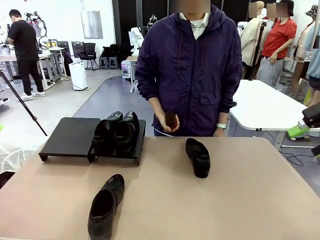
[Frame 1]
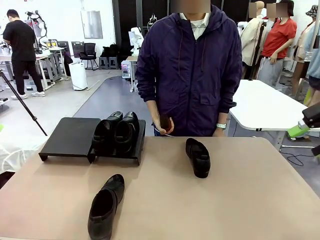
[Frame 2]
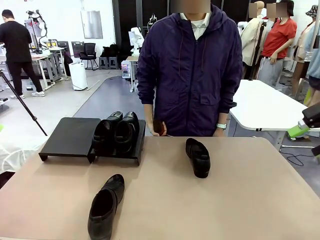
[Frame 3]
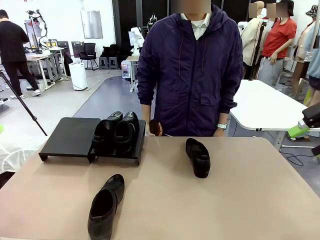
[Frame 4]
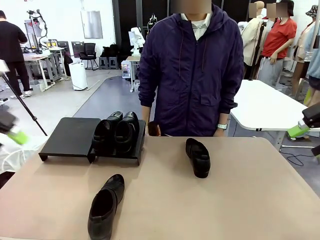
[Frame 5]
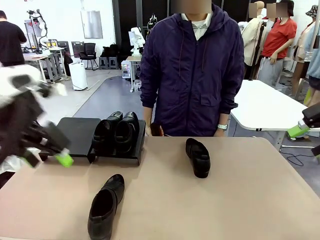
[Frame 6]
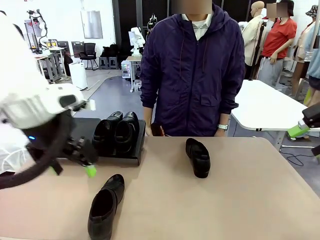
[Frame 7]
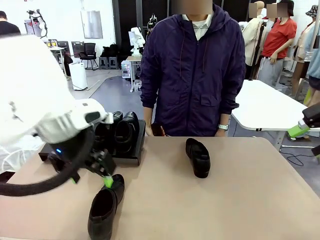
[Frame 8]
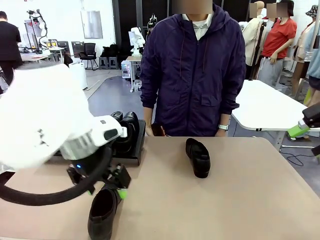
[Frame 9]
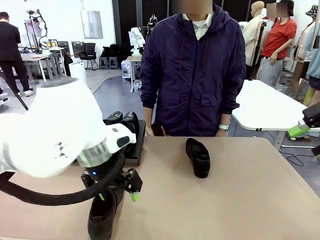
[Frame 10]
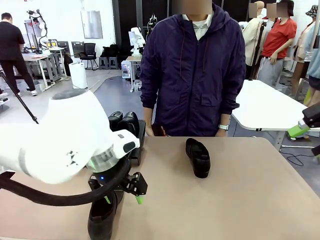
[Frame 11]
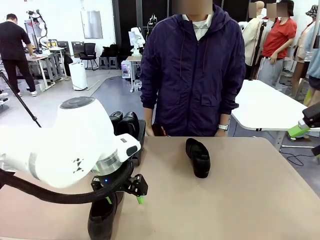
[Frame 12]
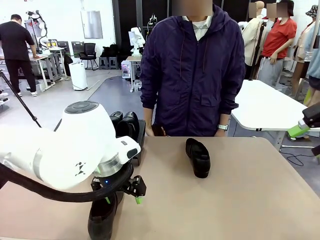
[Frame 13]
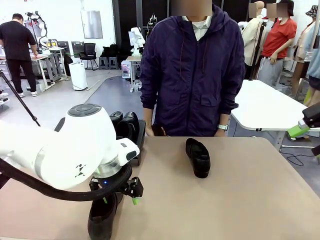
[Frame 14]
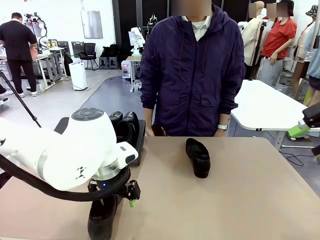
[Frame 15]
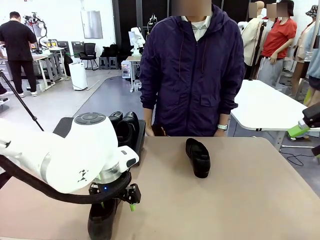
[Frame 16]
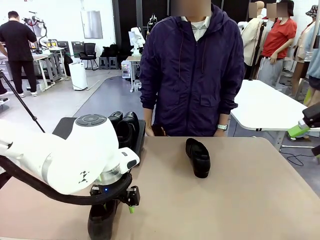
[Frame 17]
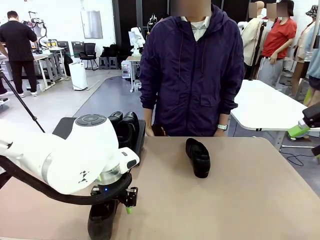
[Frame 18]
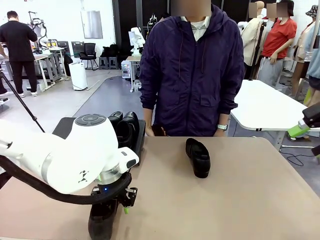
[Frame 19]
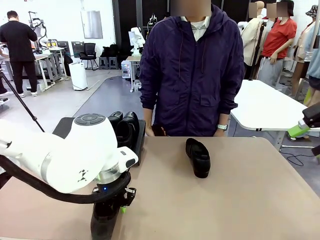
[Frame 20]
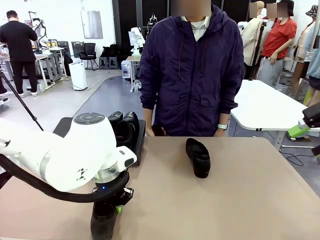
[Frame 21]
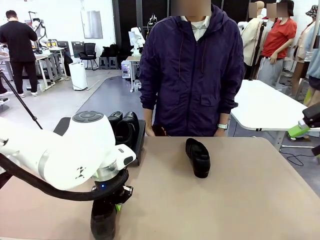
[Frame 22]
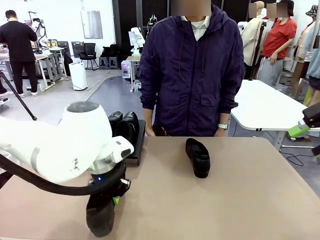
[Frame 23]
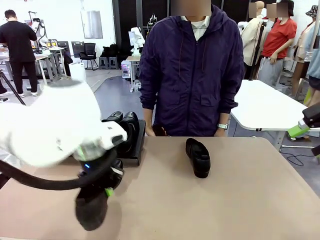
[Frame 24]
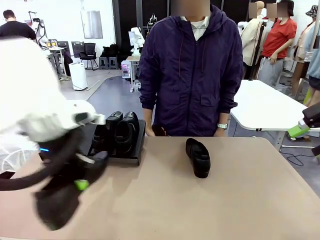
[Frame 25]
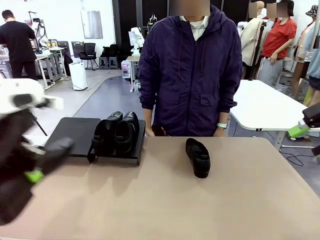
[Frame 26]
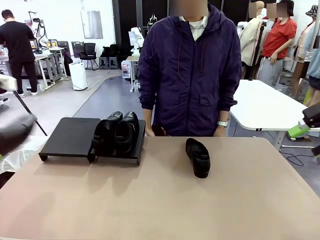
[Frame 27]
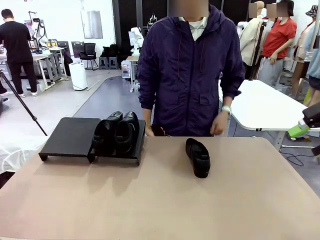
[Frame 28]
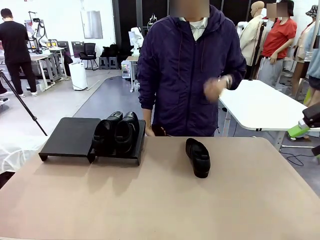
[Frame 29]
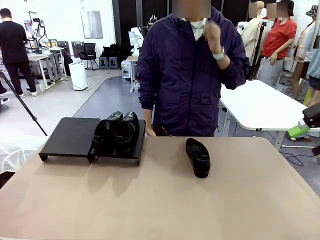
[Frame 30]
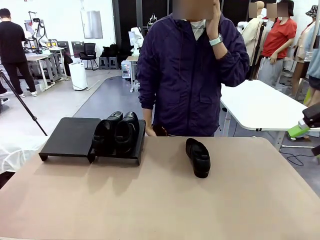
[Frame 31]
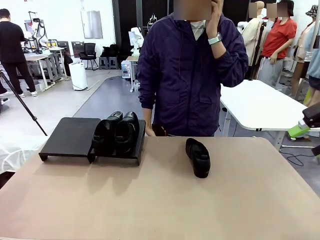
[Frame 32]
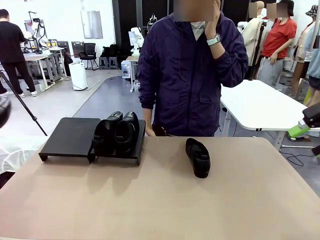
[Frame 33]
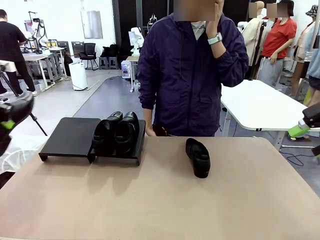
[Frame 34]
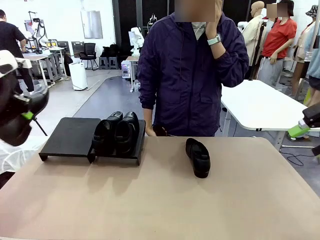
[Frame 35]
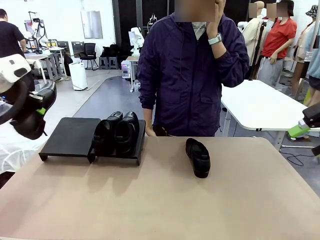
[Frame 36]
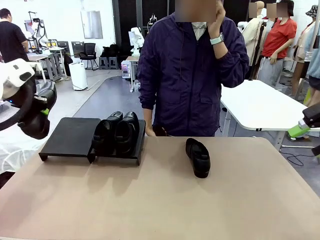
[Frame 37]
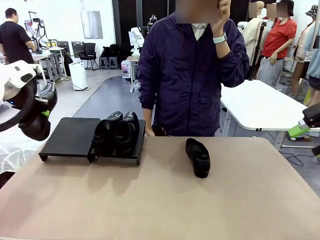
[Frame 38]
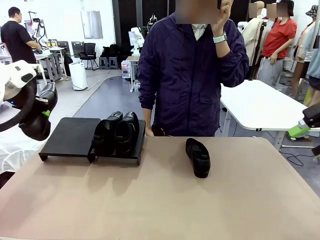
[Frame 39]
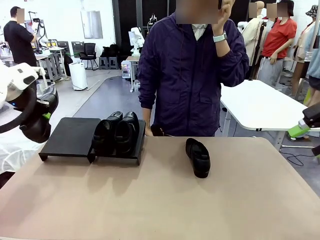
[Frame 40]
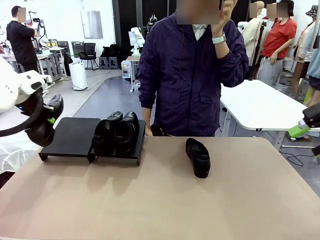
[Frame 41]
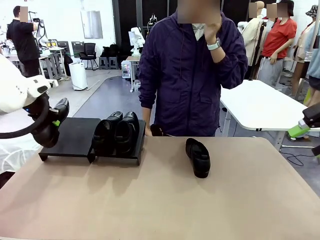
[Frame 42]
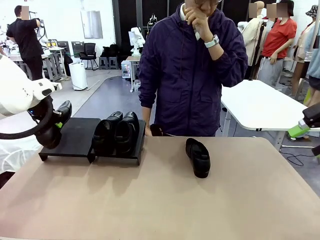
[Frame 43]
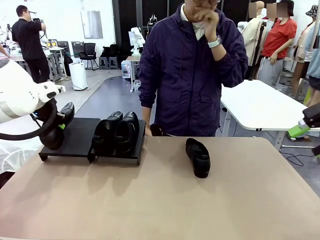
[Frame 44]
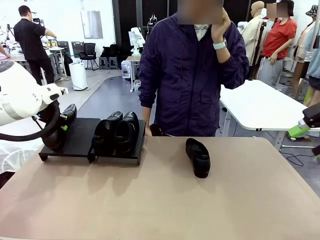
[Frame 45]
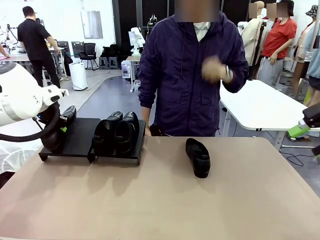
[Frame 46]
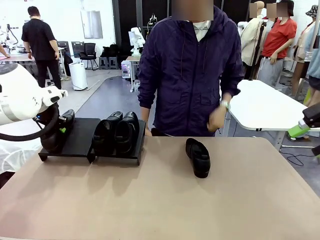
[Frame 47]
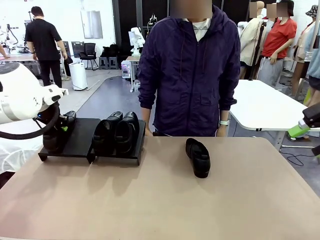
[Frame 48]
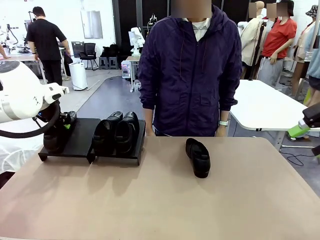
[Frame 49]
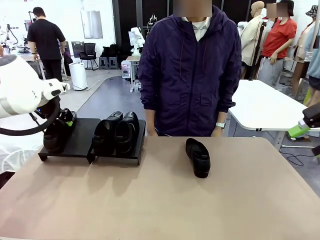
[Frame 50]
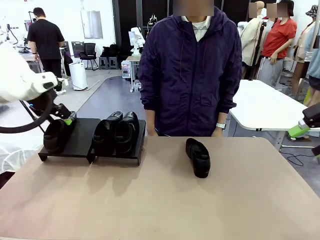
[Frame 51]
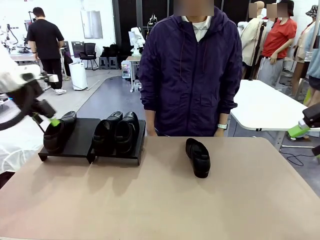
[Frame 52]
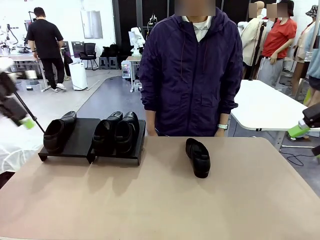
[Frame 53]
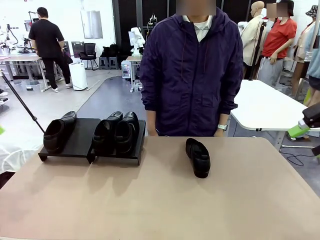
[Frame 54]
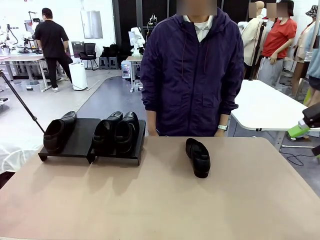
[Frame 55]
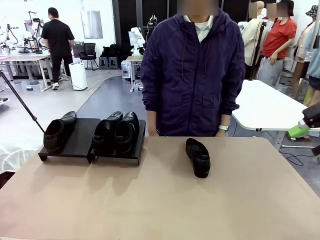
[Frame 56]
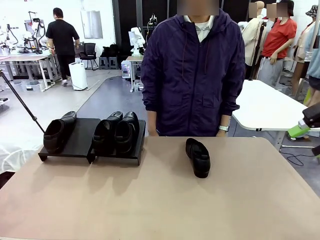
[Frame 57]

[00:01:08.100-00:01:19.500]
Task: Organize the shoes by placing them on the stand.
Robot: Place the Shoe from the middle of the table onto the Shoes Stand.

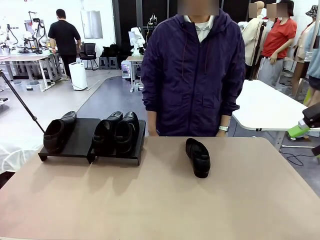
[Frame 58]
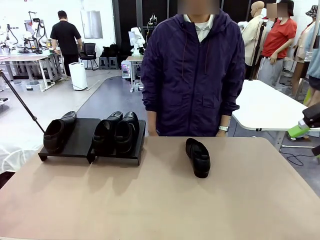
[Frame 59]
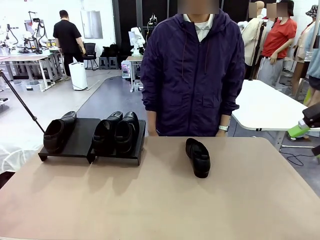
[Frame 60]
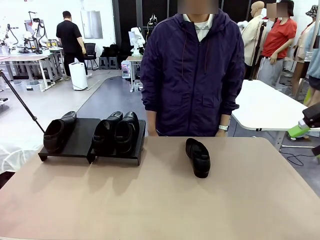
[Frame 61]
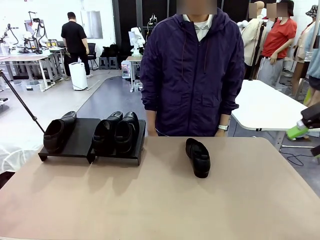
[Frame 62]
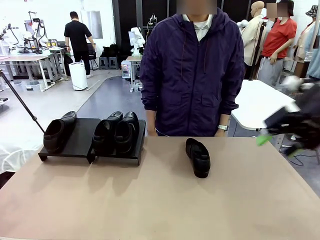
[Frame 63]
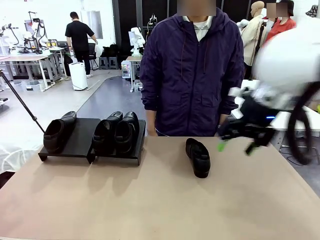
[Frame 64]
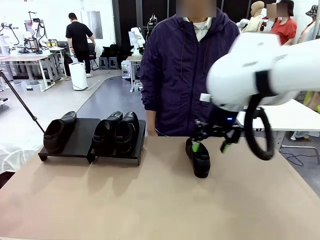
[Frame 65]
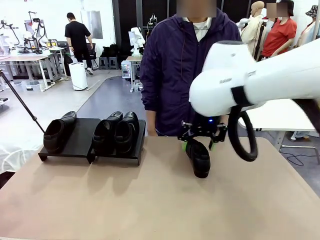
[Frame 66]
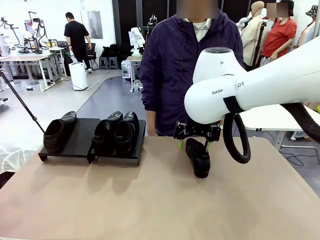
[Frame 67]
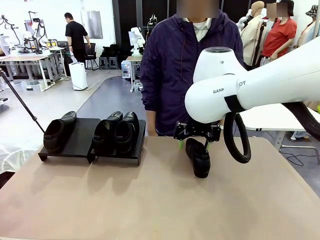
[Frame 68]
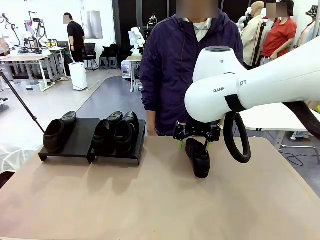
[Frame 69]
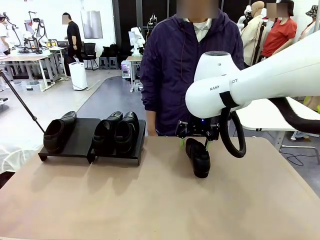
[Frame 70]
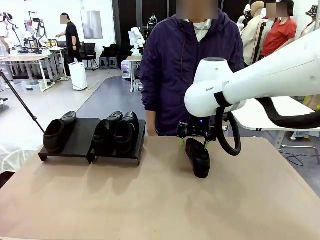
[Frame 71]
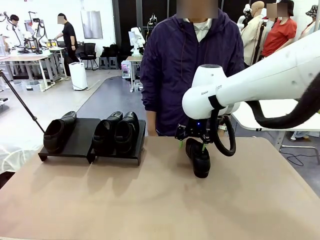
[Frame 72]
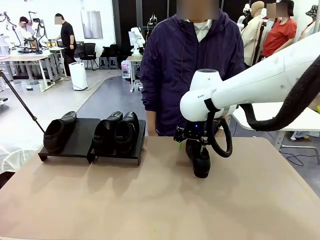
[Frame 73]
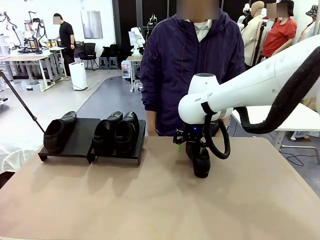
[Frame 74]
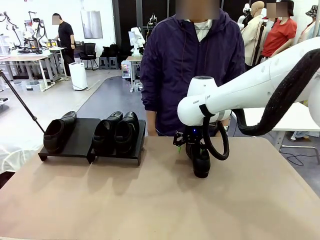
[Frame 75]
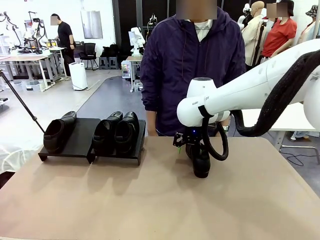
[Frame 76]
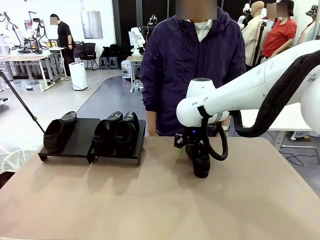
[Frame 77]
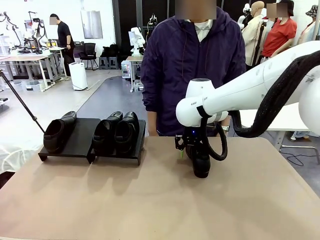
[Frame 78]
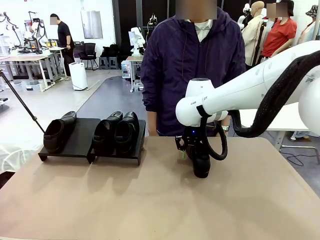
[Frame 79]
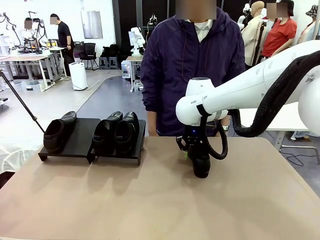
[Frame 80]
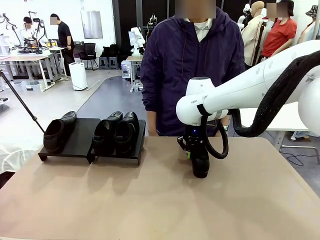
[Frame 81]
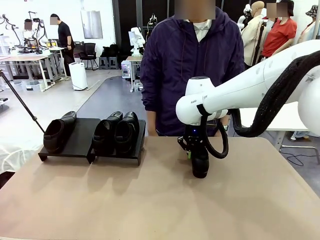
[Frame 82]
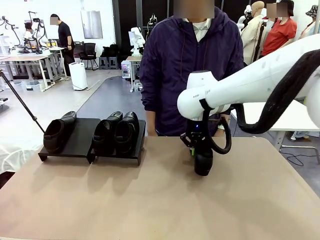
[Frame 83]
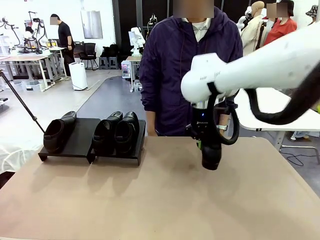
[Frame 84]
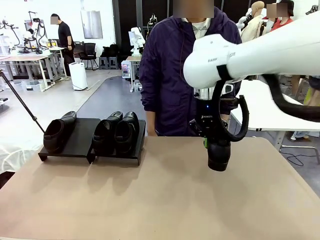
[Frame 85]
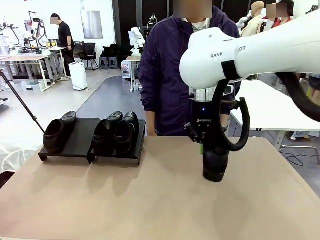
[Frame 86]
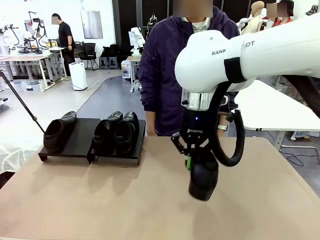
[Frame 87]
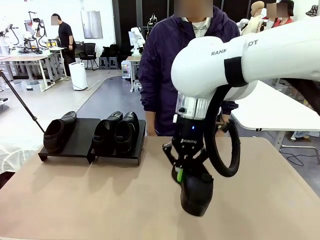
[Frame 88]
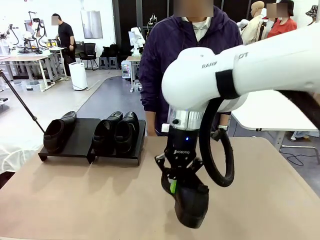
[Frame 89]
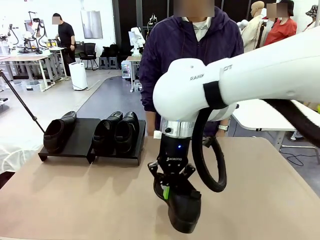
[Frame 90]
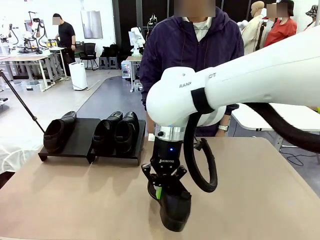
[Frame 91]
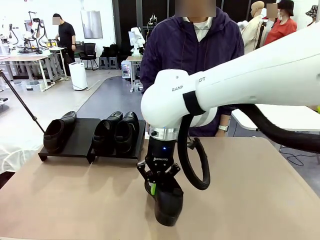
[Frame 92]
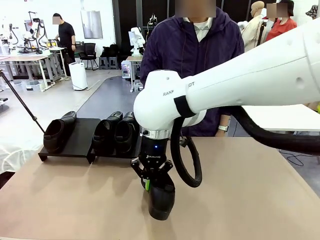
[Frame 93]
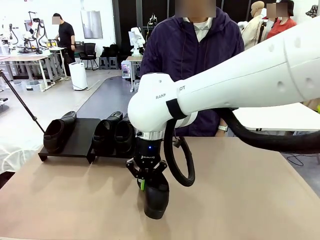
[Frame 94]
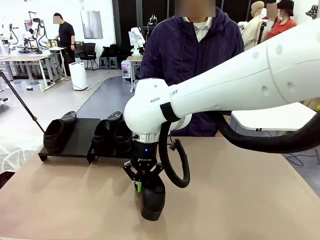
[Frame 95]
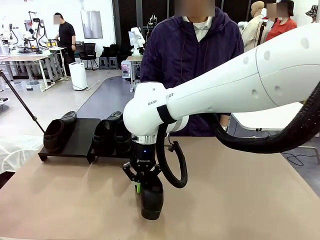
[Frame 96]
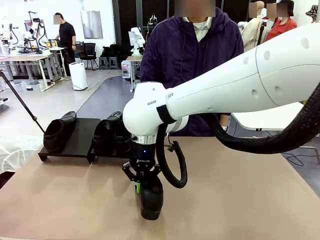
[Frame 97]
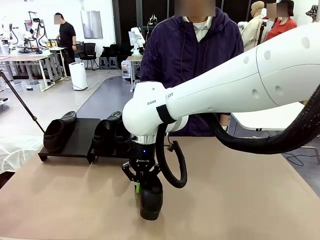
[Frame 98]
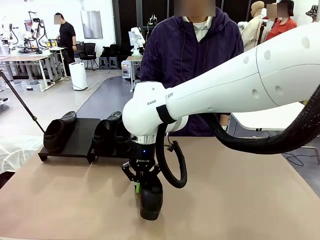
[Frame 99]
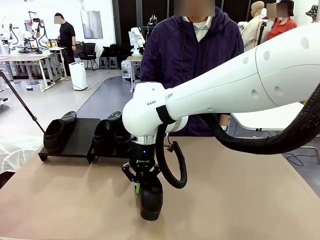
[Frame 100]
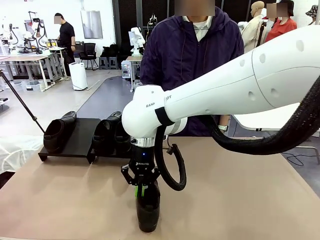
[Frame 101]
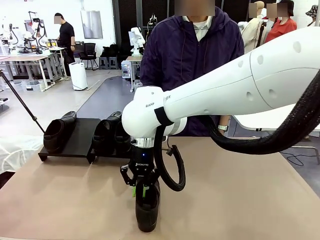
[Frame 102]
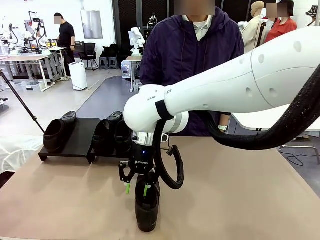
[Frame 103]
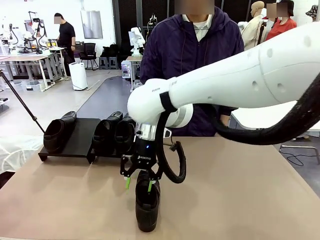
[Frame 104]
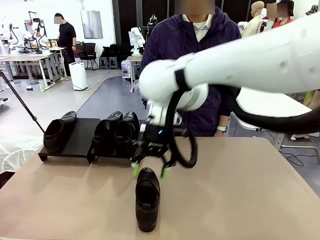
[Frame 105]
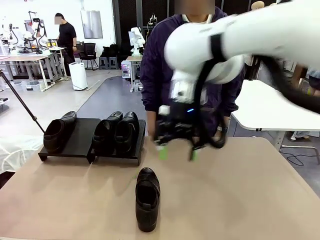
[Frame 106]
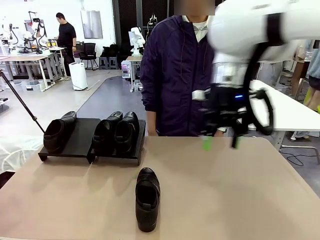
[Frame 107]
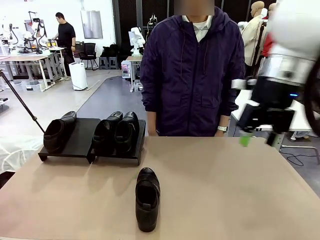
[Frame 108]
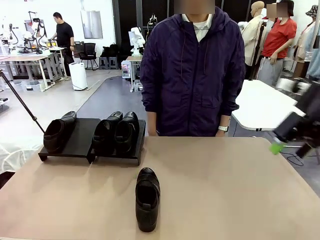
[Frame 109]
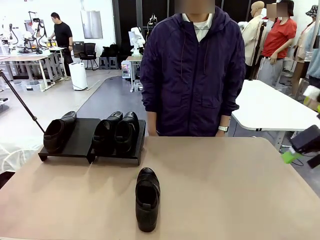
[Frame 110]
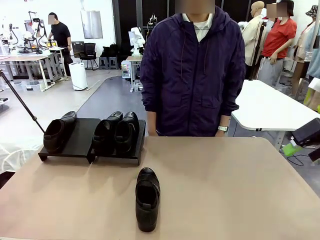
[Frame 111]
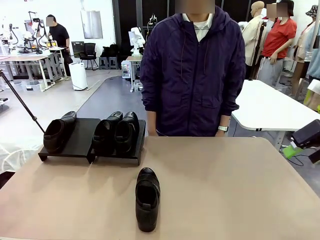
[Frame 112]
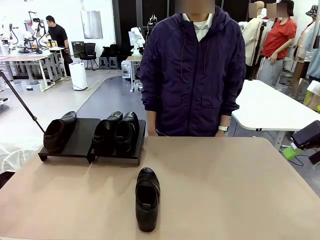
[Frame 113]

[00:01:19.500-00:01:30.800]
Robot: Pick up one Shoe and place it in the middle of the table.
